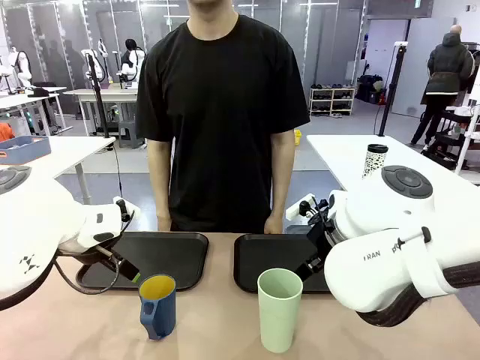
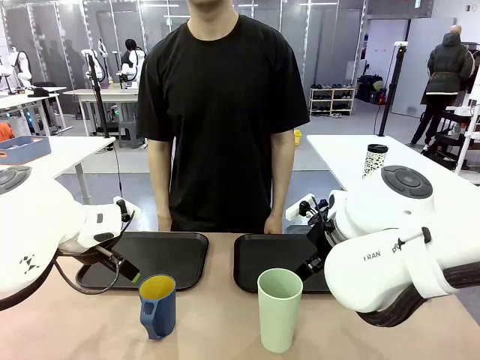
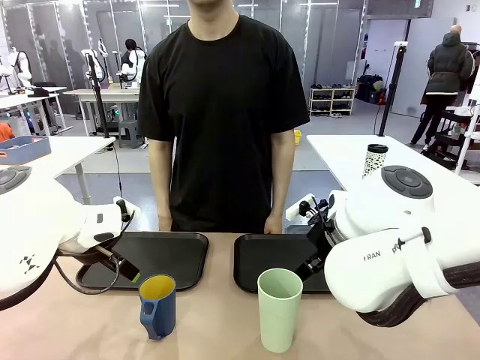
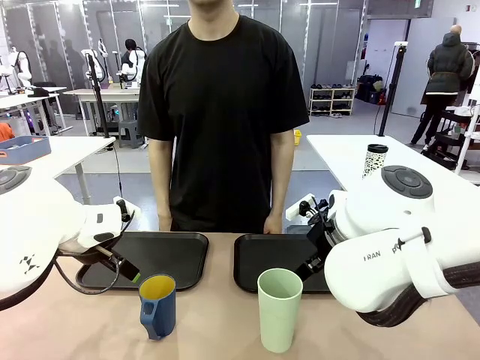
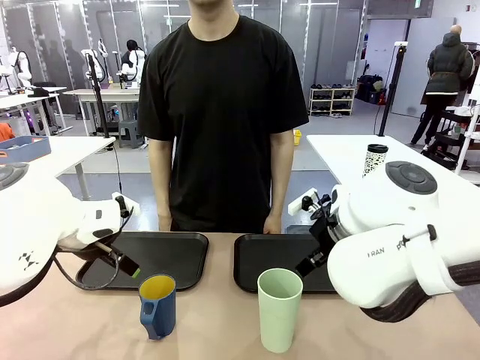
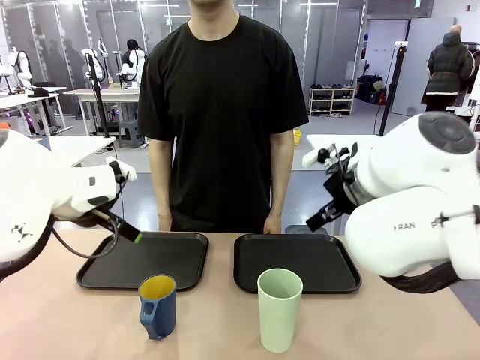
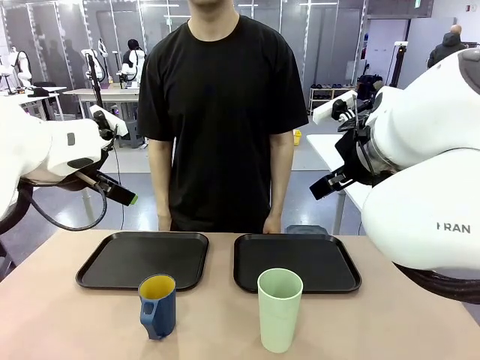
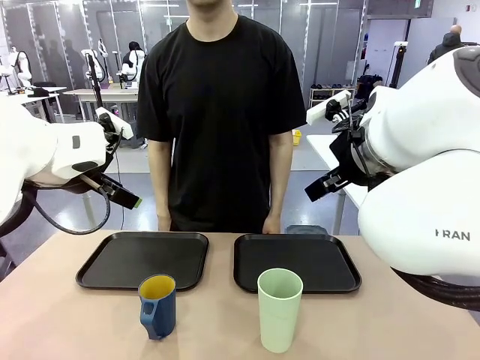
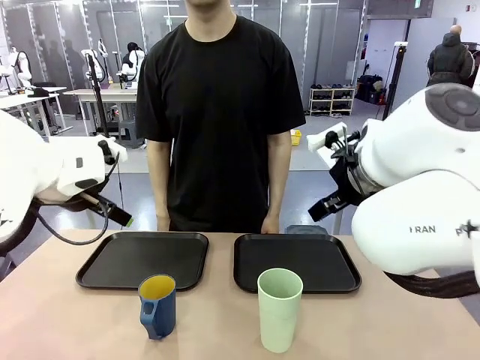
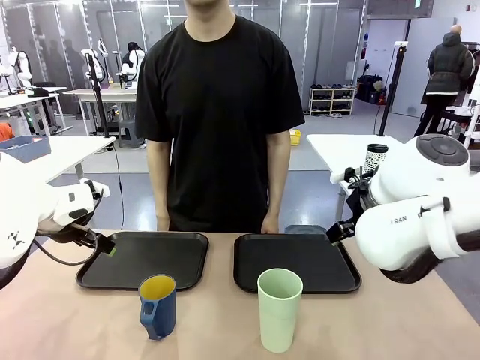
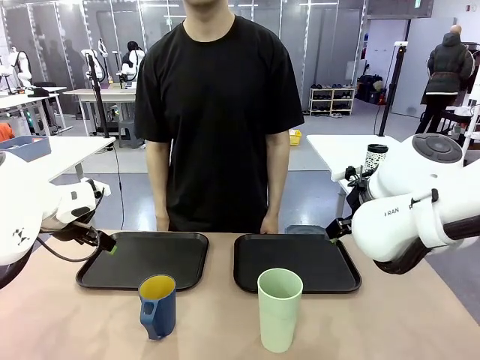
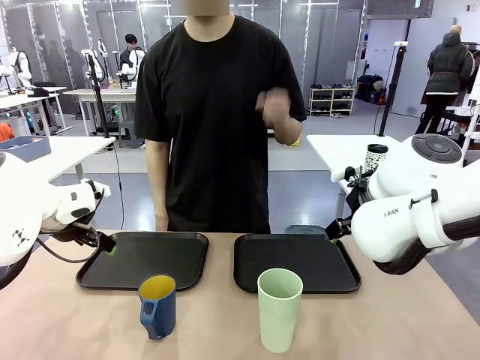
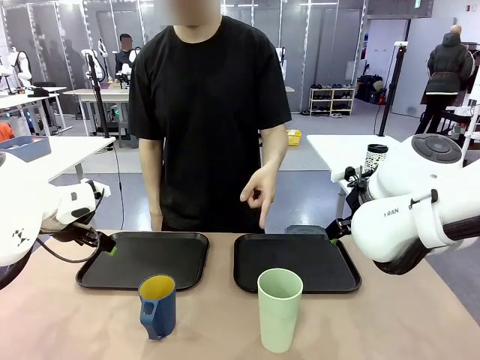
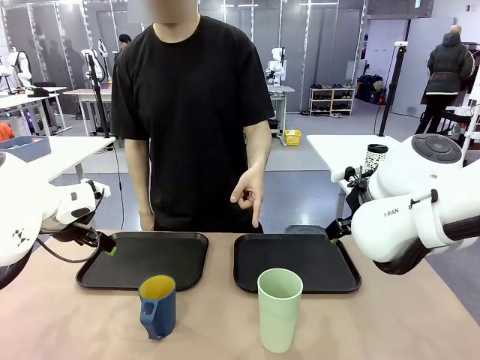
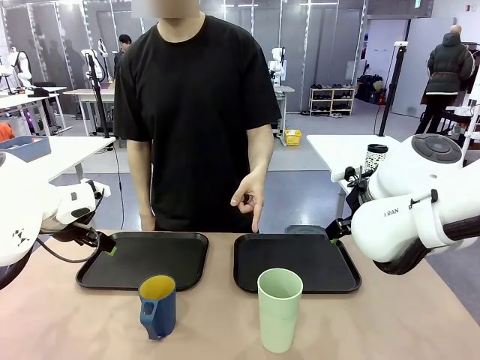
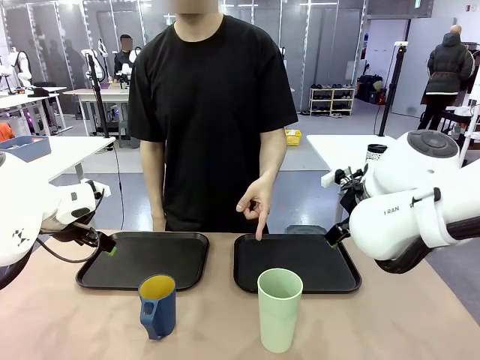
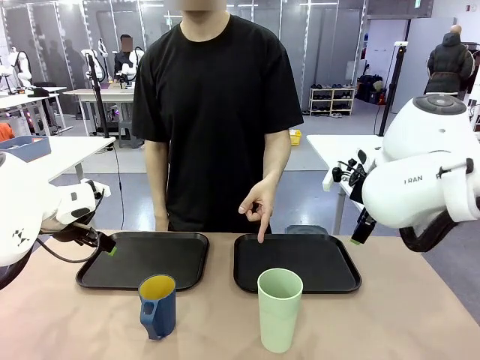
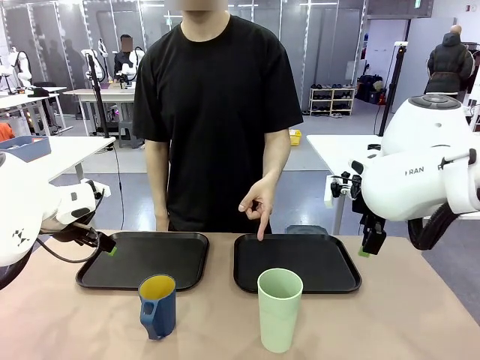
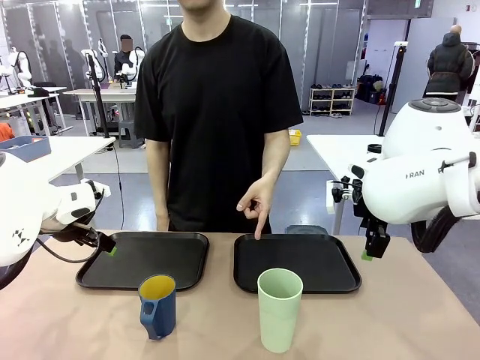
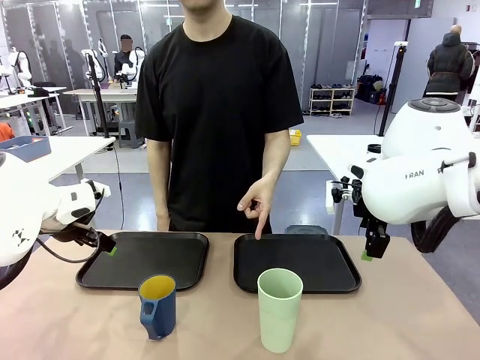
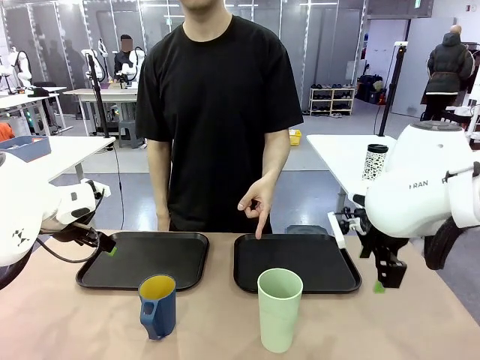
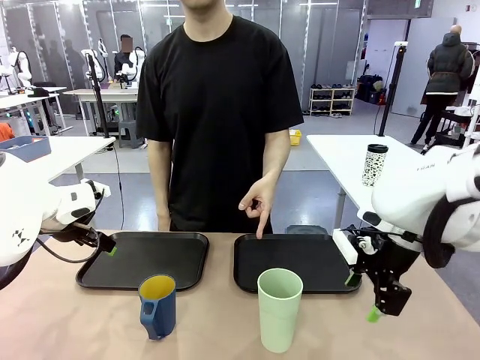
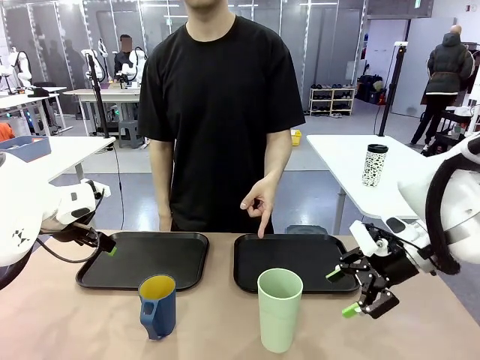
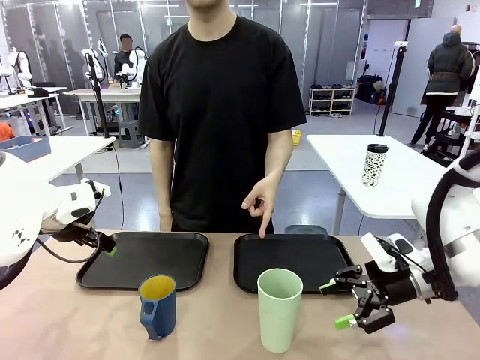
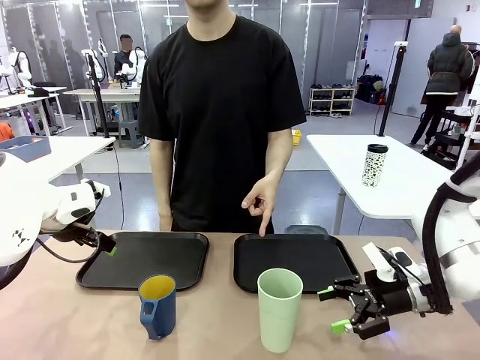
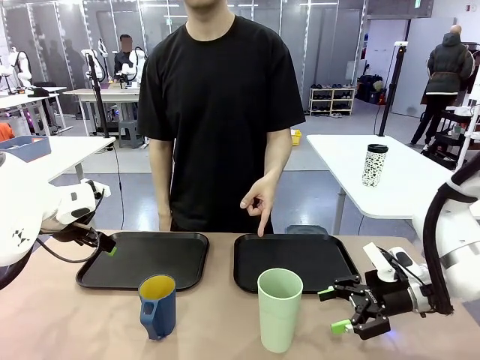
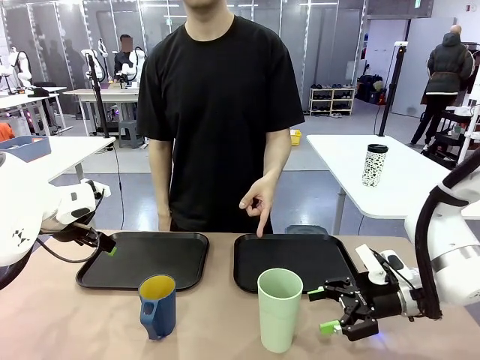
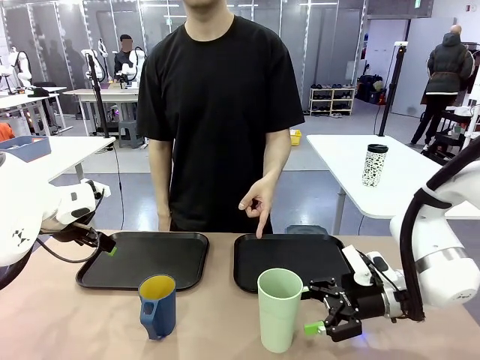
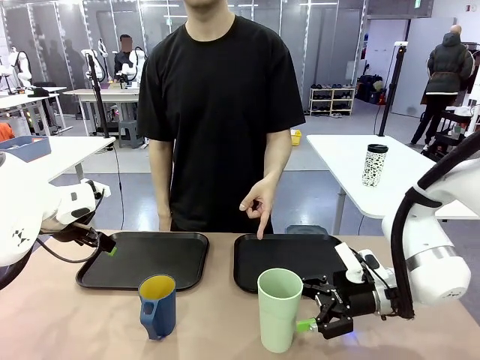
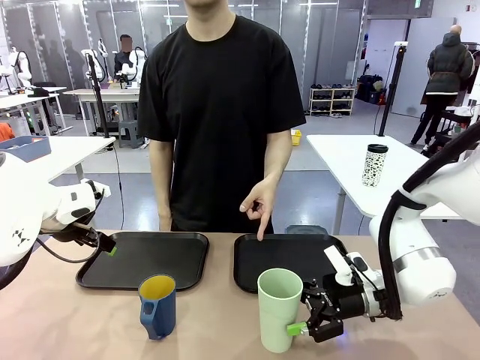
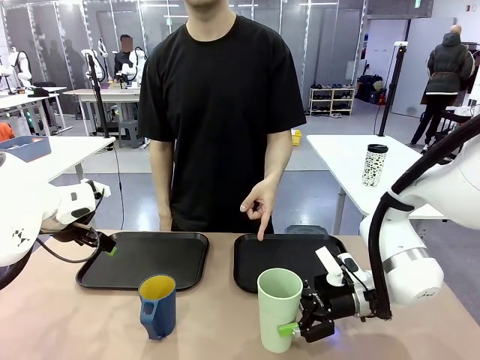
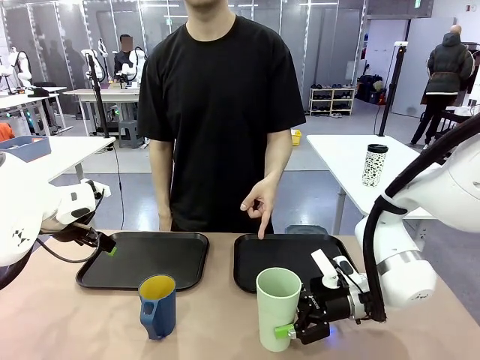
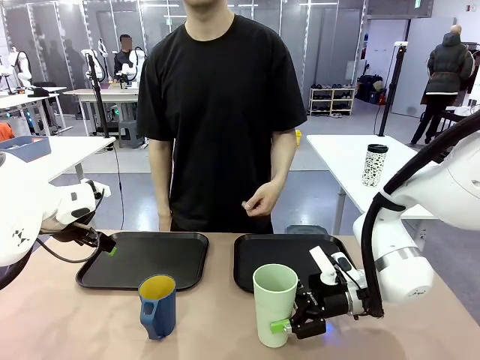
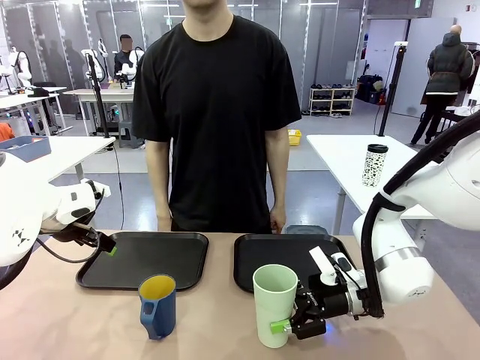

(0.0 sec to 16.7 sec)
Task: Sort and store the cups by type.
Robot: Pick up the Reusable plastic cup.
Person: Points to the reusable cup. Point to one of the two trays.

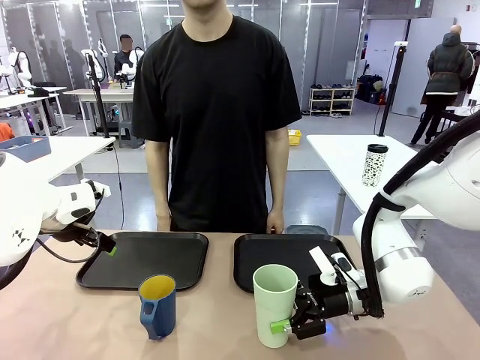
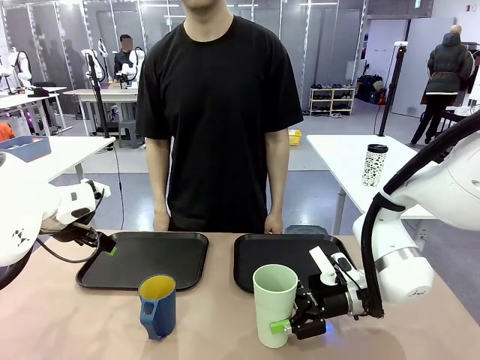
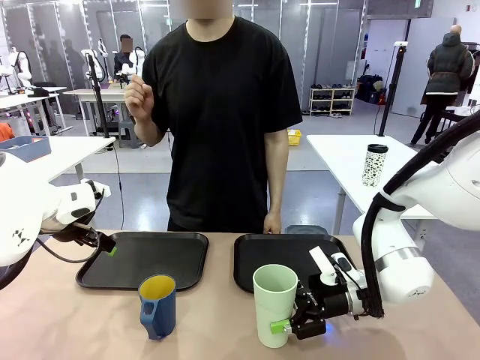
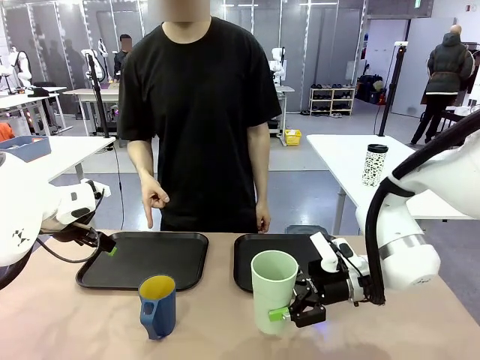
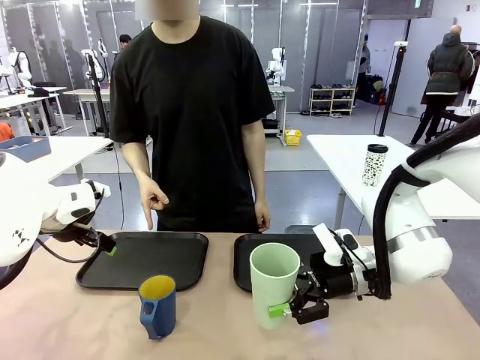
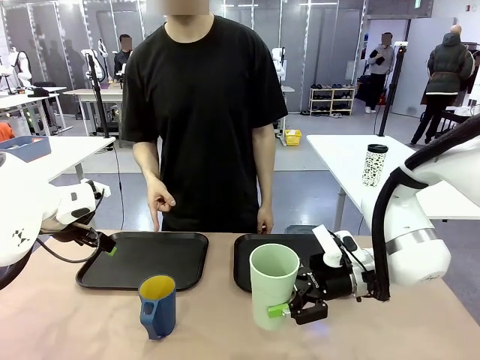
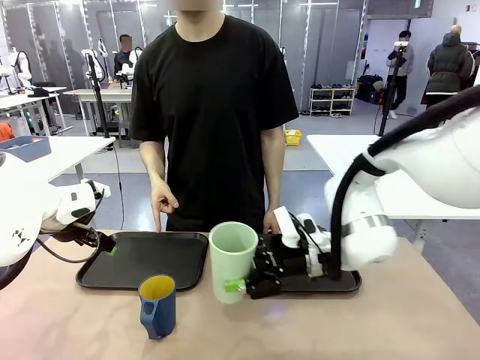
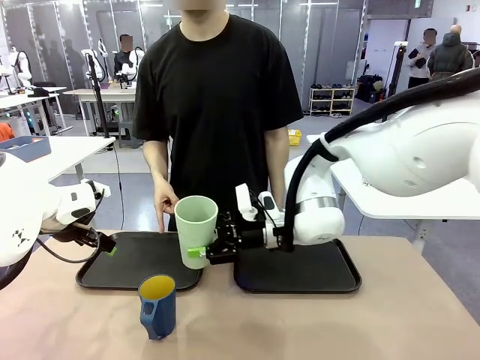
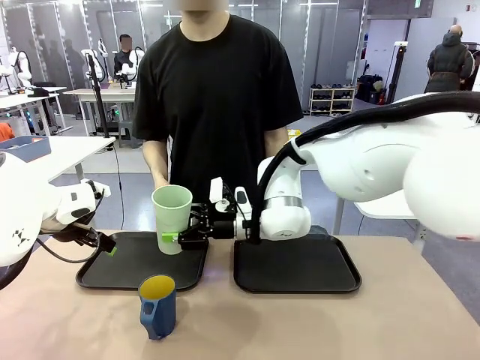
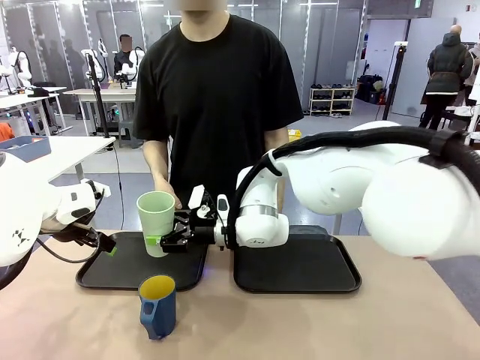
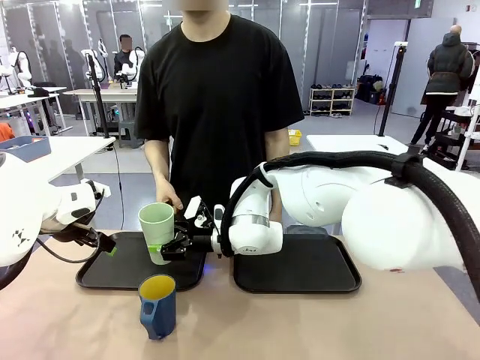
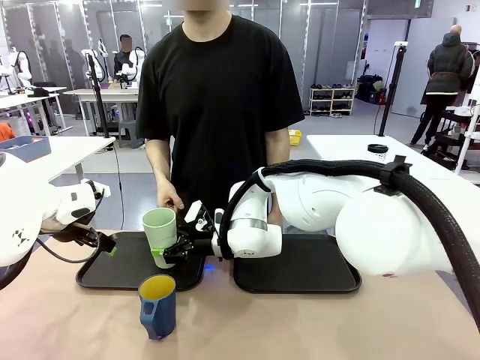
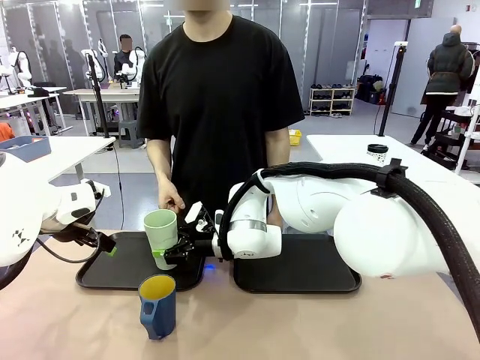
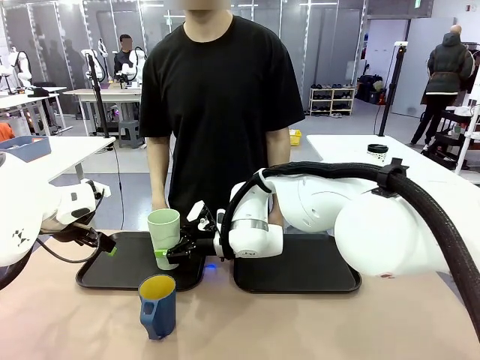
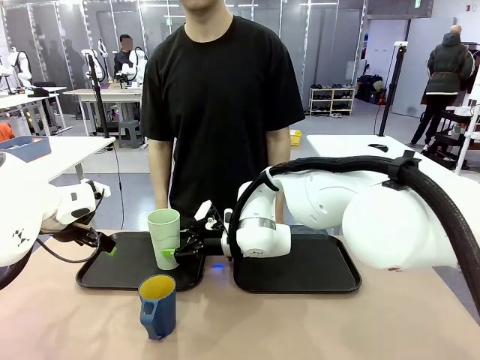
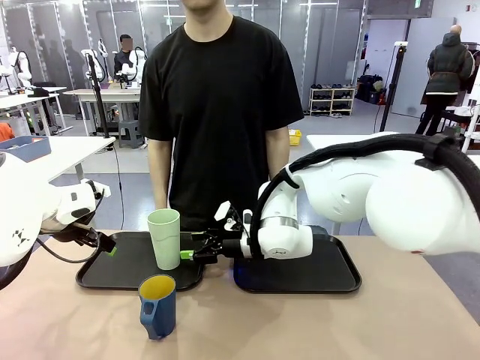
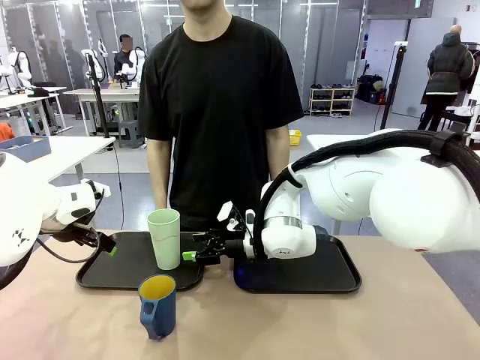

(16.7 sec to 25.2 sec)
Robot: Place the picked Reusable plastic cup into the Flat Tray indicated by the person.
